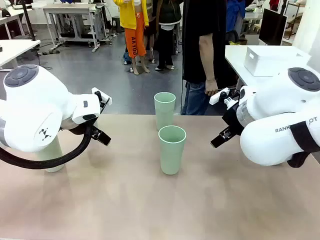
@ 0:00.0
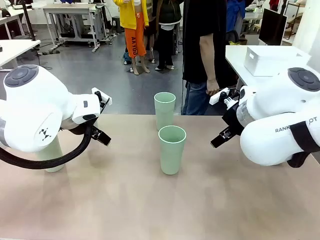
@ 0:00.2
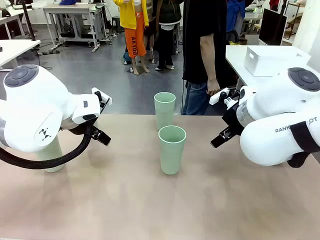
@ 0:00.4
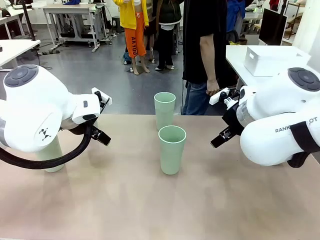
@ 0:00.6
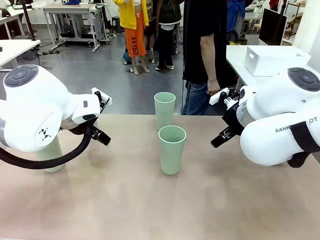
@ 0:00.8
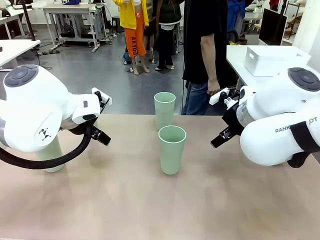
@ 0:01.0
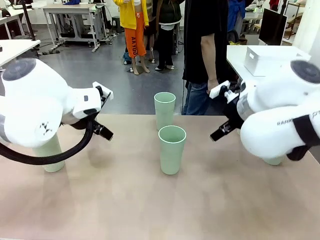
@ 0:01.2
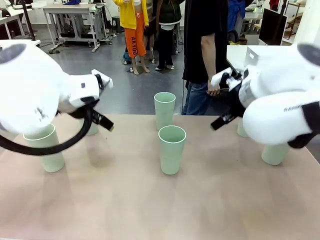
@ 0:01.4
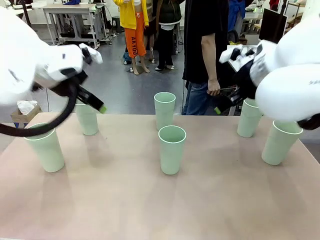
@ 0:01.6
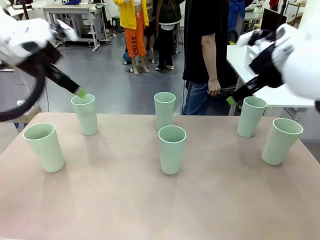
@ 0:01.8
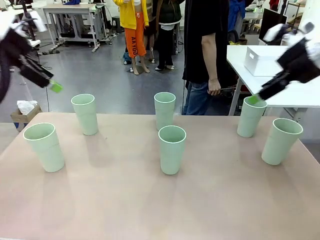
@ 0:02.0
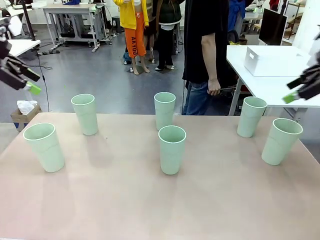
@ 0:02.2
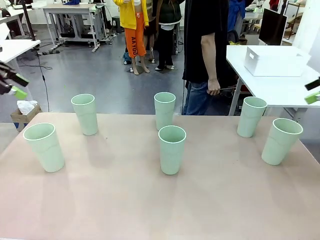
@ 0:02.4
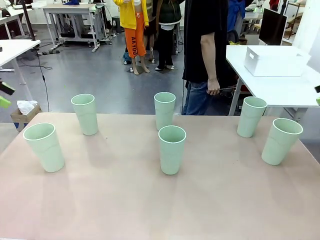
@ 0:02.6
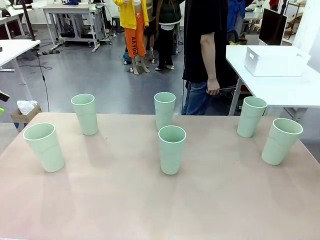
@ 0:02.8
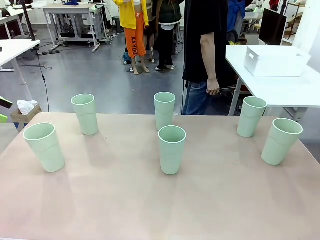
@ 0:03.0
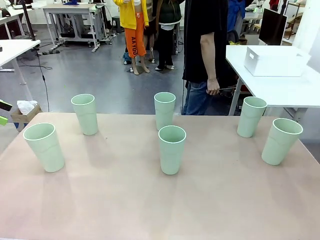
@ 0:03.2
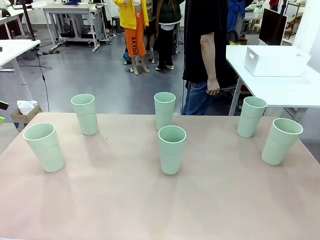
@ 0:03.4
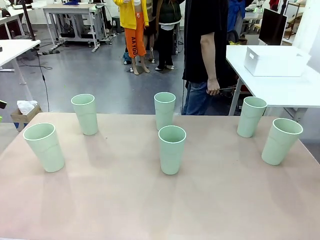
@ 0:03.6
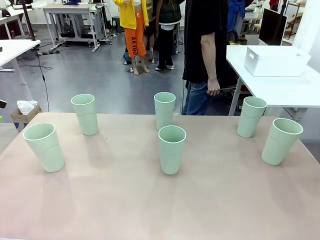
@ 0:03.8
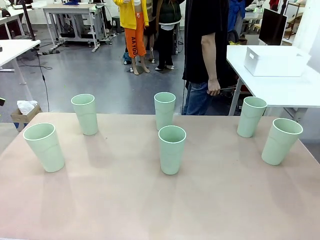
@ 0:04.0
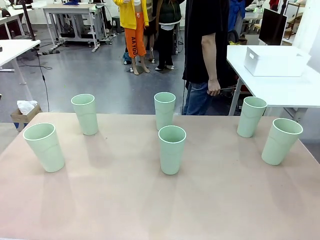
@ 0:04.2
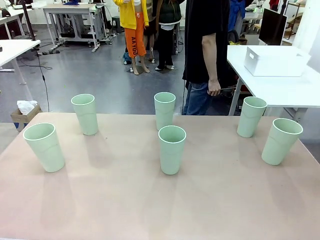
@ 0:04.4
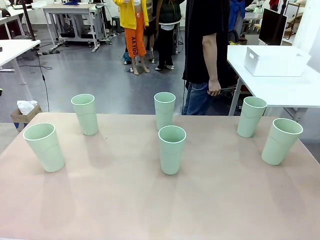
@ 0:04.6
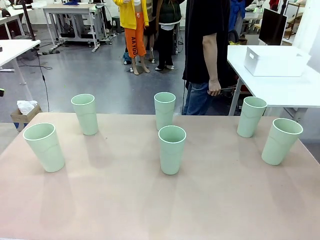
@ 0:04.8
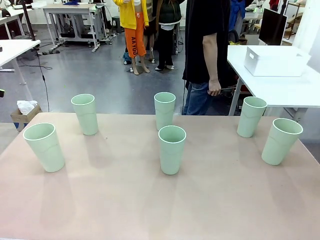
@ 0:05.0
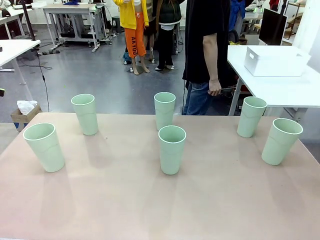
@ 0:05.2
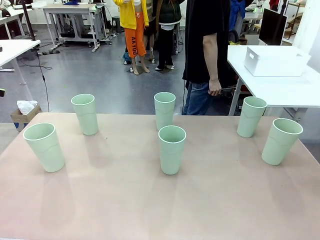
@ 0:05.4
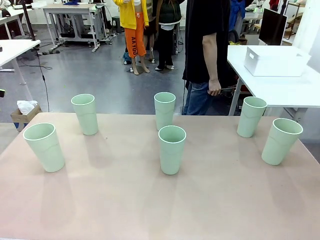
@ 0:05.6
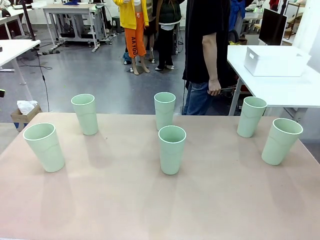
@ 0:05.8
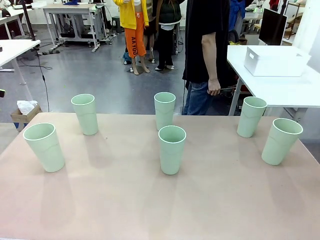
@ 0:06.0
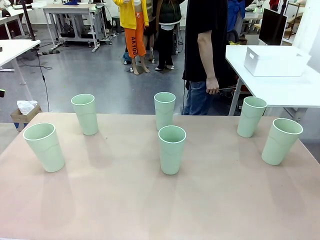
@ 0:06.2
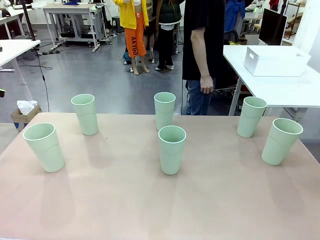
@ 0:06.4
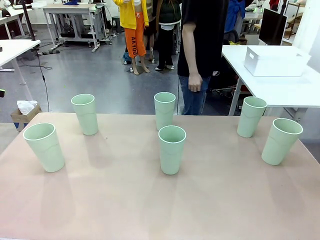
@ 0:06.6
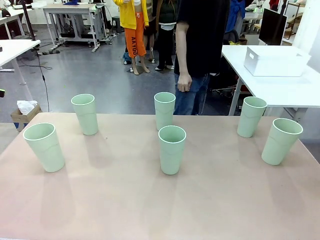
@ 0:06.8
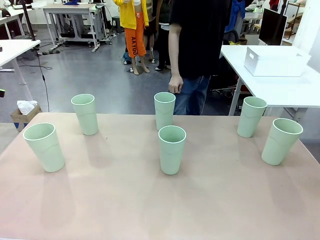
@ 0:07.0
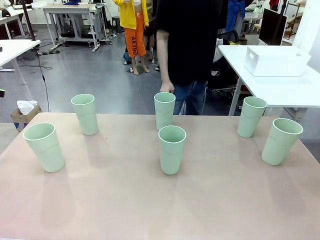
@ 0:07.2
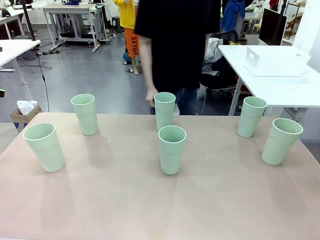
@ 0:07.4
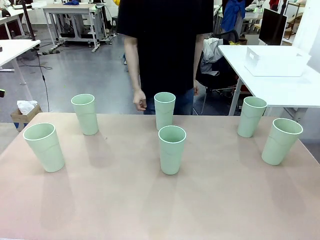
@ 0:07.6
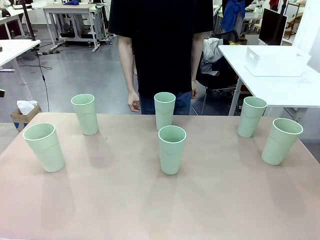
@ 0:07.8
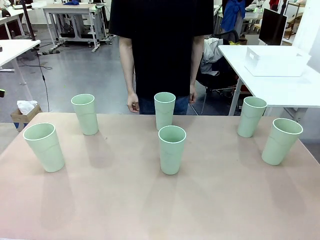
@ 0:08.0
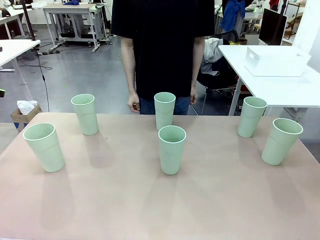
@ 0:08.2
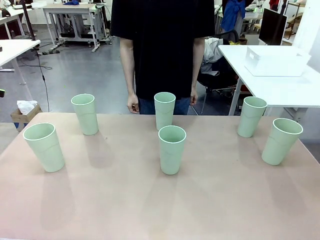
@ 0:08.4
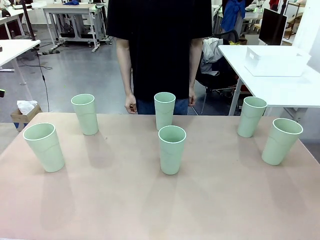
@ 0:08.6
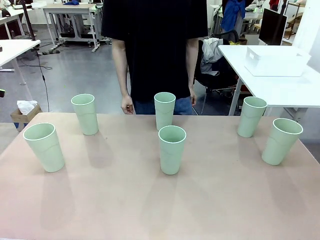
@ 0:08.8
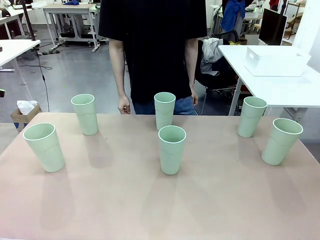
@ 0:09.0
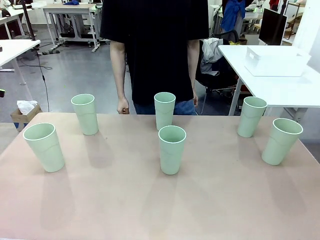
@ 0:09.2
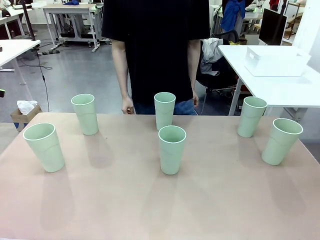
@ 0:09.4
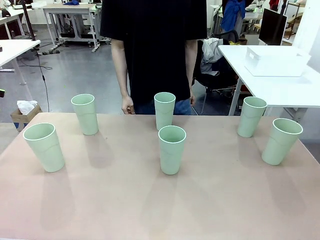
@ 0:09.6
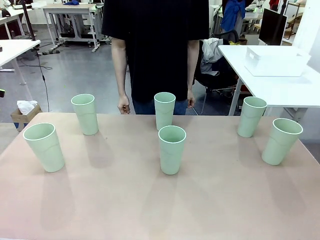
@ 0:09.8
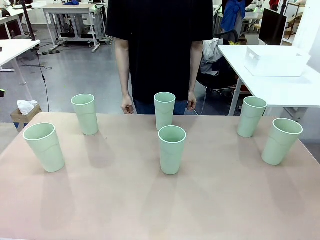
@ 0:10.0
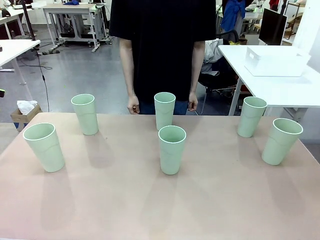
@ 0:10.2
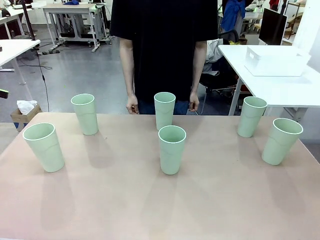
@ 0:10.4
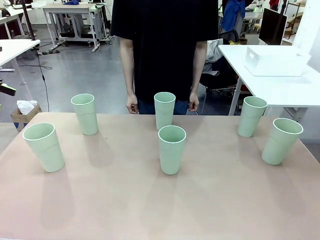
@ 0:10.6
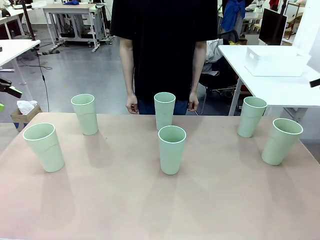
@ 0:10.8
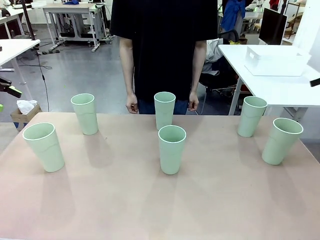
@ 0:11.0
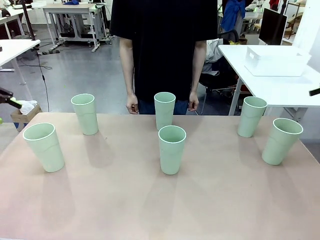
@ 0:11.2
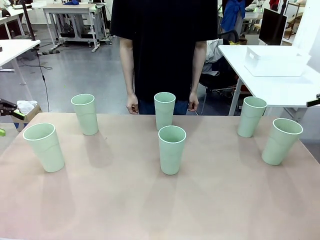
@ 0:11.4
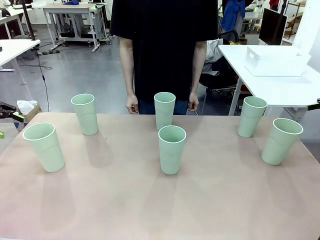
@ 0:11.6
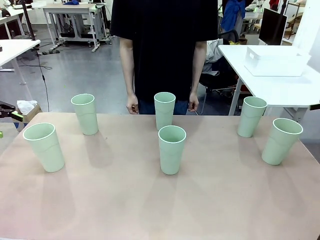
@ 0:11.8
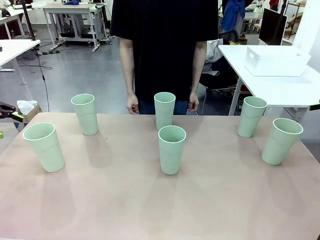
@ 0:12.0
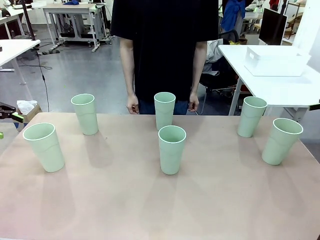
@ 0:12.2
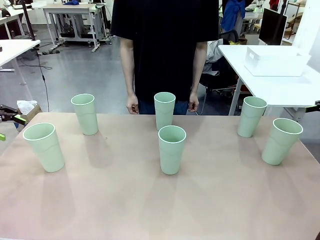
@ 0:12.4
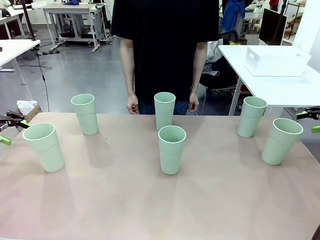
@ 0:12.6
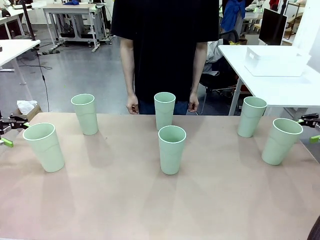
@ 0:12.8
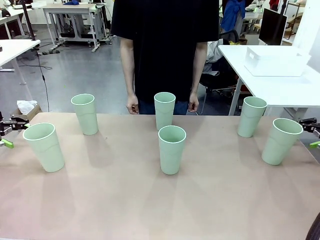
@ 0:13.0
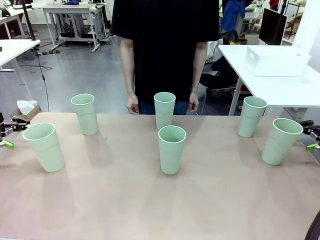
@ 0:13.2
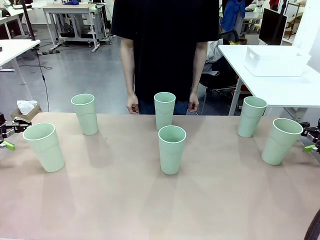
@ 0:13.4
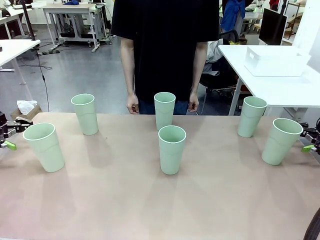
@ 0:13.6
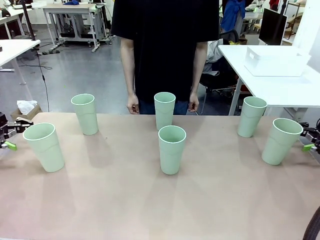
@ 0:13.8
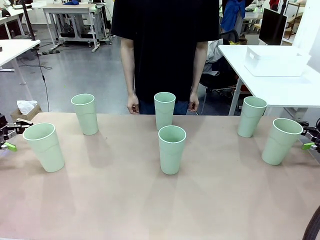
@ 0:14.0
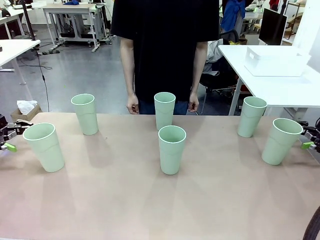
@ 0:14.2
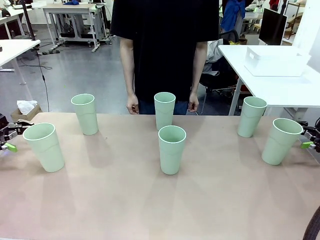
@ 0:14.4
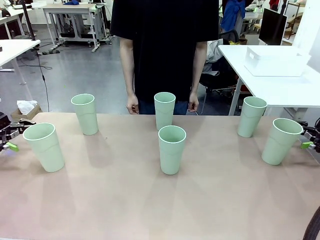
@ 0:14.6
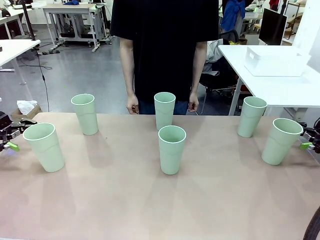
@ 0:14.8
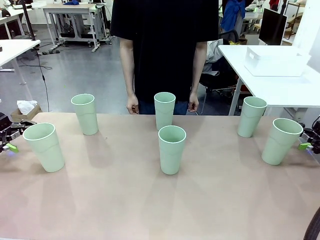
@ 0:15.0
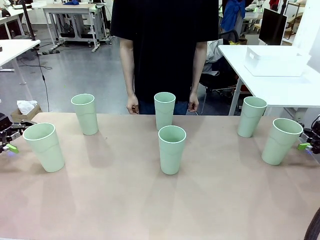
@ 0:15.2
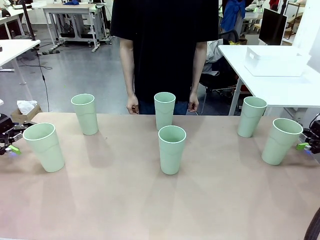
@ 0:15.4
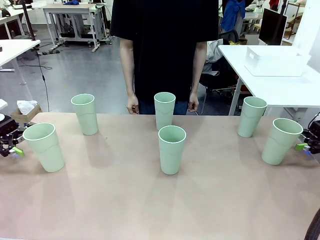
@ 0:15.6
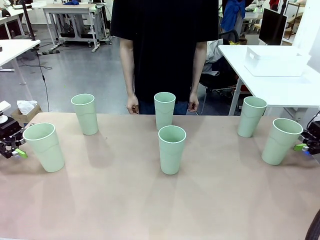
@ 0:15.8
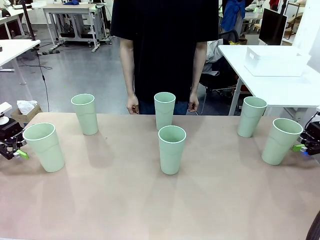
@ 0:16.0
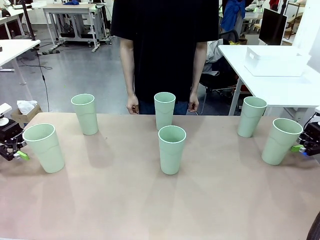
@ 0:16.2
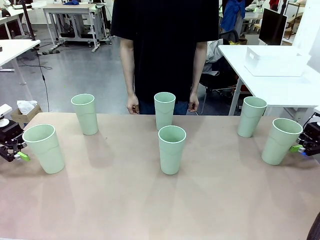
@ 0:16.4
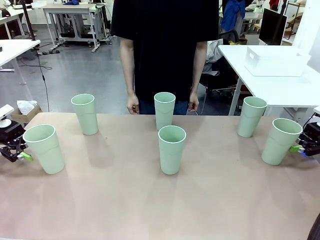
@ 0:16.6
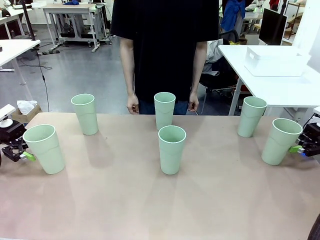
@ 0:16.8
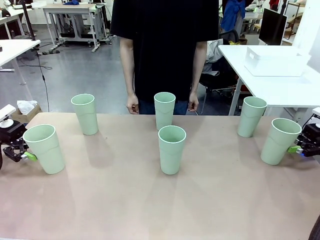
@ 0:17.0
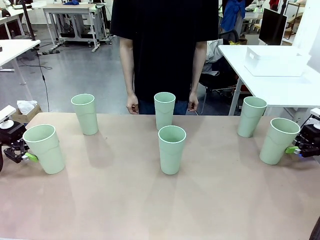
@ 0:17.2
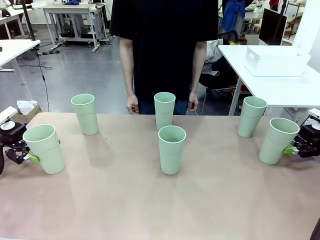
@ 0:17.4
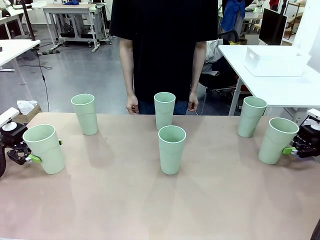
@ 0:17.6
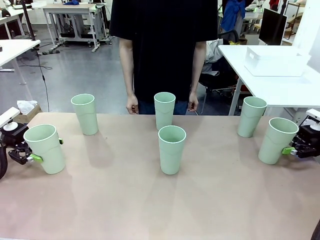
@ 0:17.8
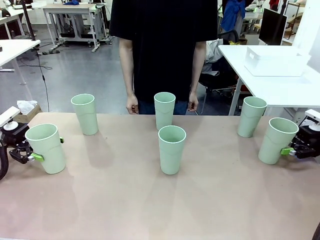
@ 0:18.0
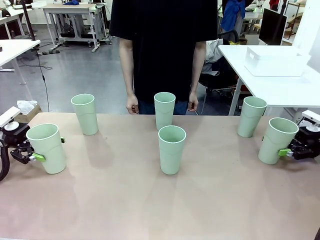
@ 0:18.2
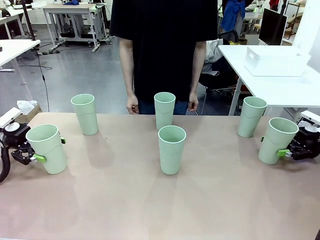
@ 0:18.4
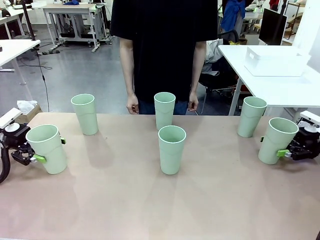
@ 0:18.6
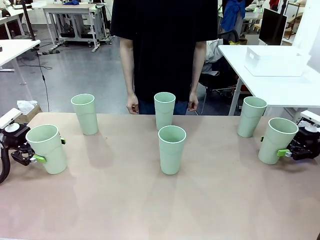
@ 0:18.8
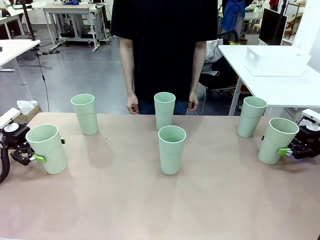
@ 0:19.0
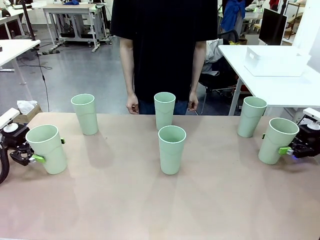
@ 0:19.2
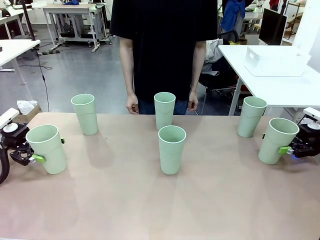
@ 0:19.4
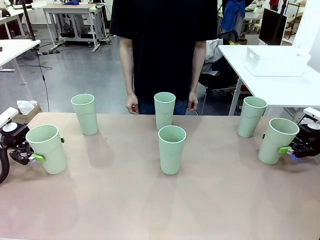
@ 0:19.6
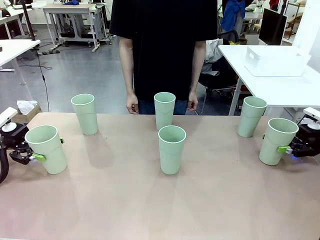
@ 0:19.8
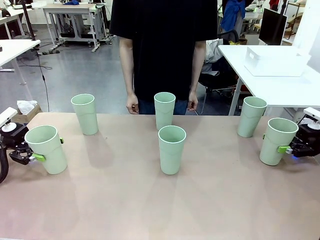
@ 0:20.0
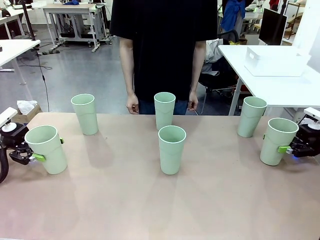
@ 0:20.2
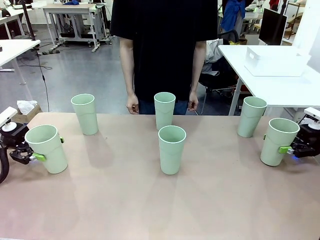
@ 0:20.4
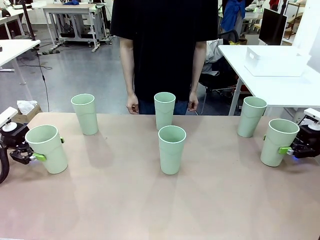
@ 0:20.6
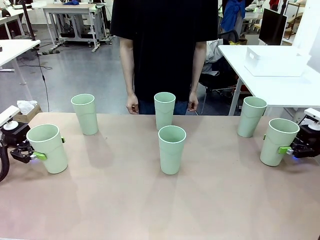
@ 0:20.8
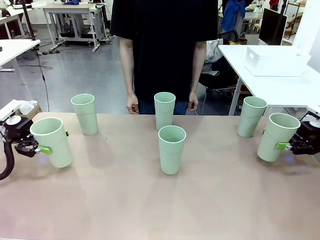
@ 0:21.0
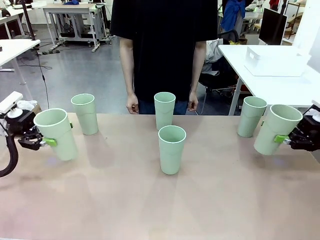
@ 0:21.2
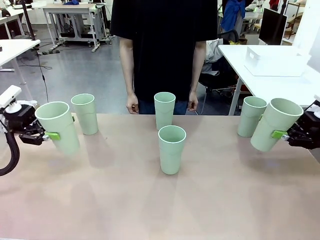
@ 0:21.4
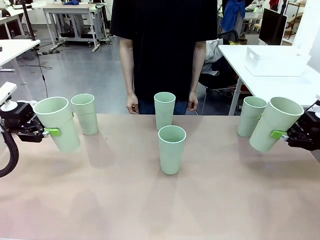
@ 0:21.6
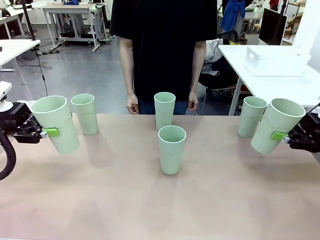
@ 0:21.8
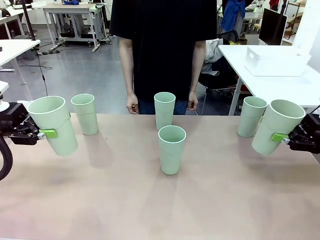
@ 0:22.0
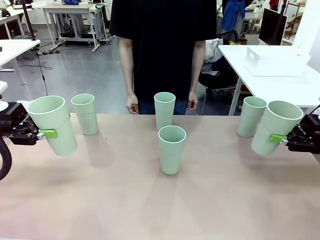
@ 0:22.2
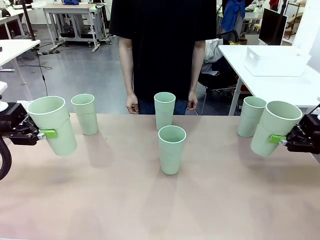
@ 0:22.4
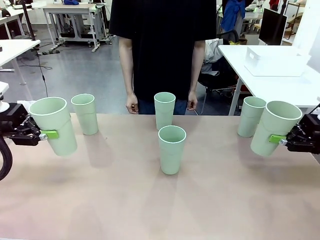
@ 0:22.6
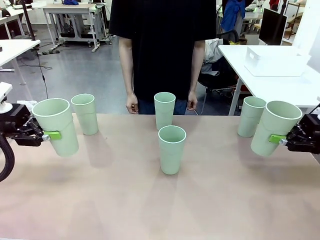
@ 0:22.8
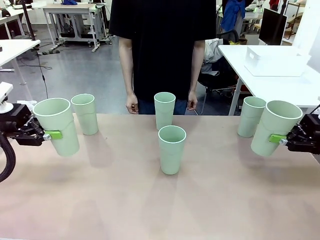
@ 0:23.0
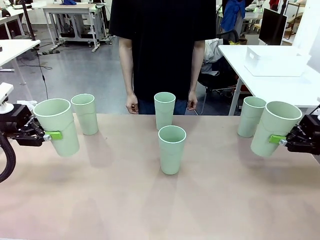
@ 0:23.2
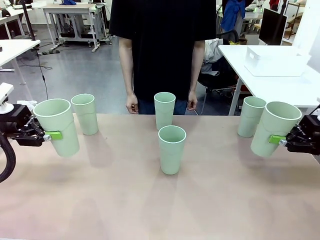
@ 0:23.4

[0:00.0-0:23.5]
Task: Stack the cups and store them in the basket.
Robot: Pick up two Reusable plastic cups , one in each hand.
Person: Move from the Human Table to the front of the Robot Table. Stack two of the remaining cups on top of each cup held by the robot.
